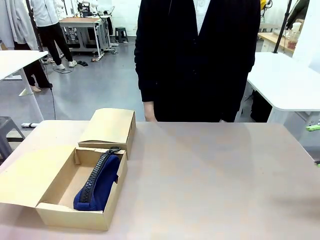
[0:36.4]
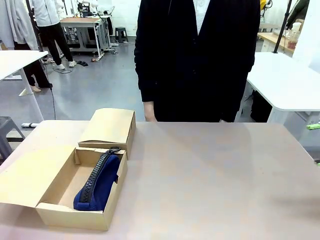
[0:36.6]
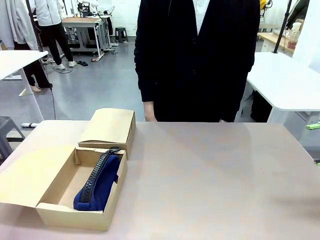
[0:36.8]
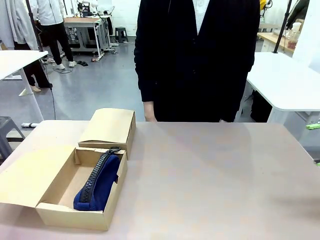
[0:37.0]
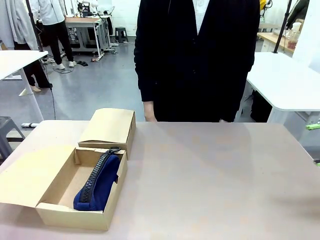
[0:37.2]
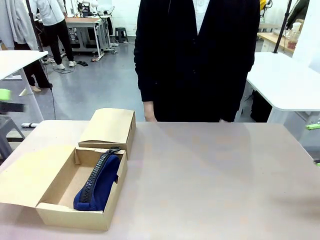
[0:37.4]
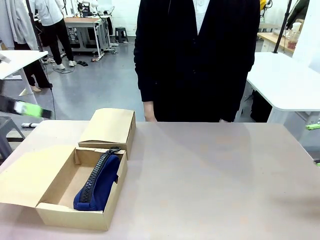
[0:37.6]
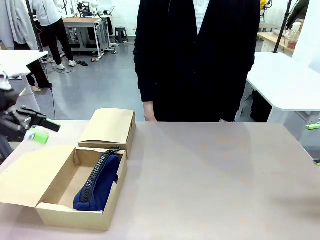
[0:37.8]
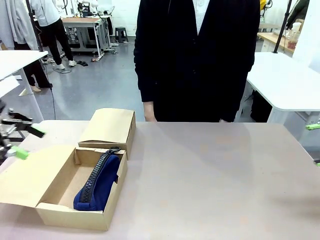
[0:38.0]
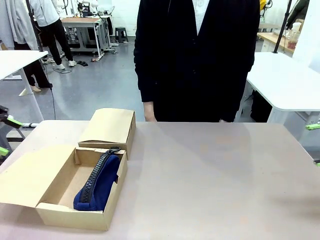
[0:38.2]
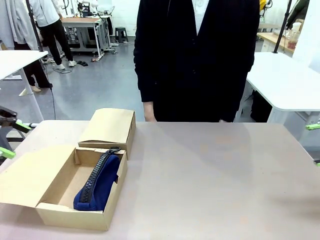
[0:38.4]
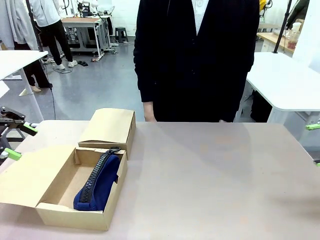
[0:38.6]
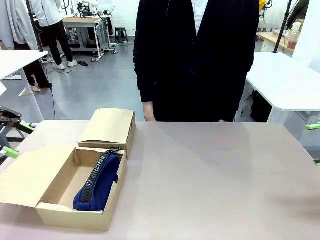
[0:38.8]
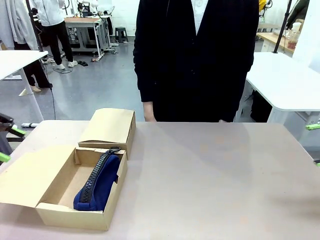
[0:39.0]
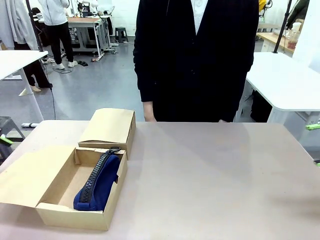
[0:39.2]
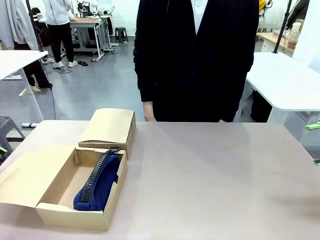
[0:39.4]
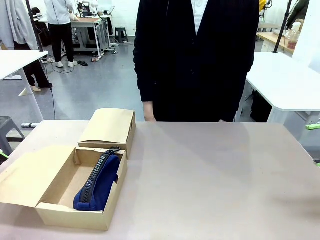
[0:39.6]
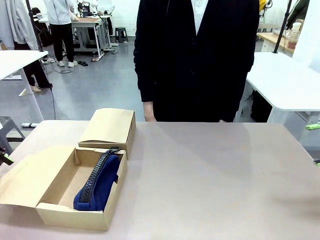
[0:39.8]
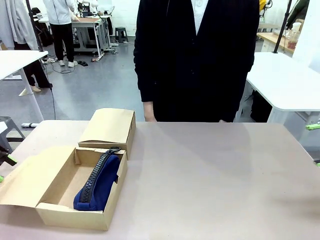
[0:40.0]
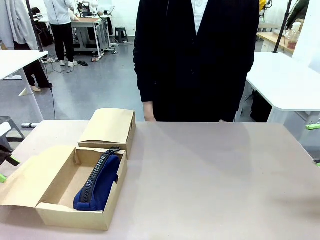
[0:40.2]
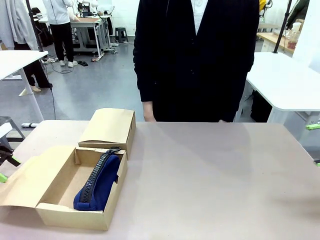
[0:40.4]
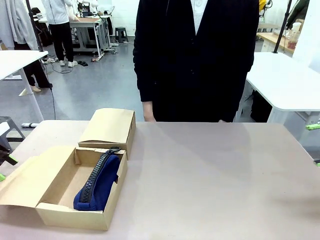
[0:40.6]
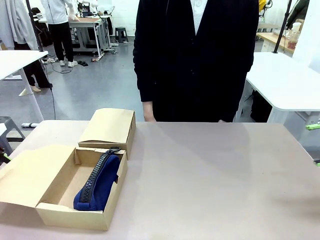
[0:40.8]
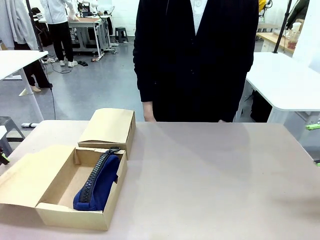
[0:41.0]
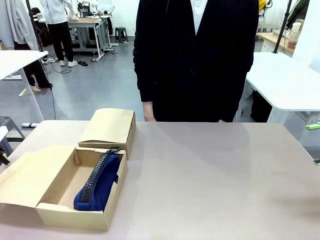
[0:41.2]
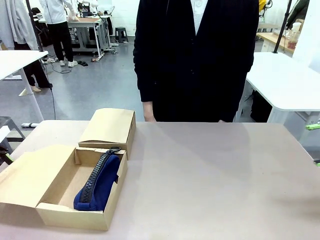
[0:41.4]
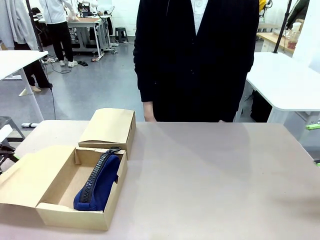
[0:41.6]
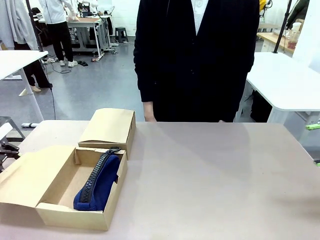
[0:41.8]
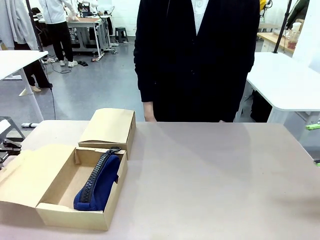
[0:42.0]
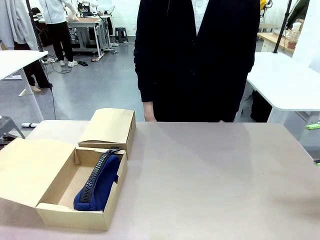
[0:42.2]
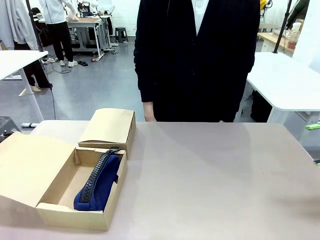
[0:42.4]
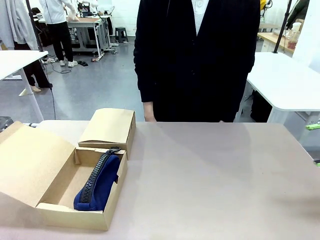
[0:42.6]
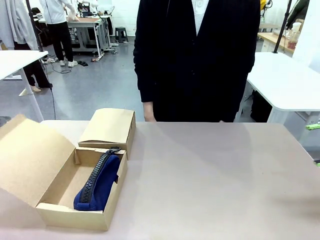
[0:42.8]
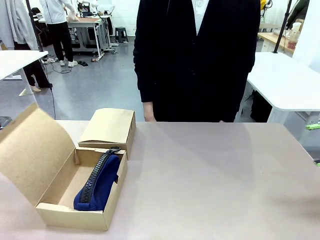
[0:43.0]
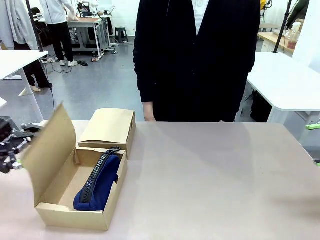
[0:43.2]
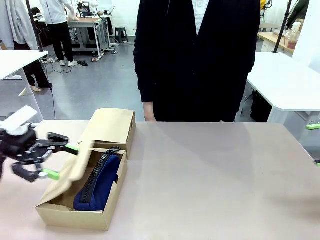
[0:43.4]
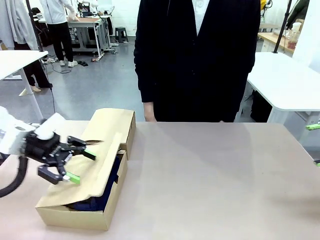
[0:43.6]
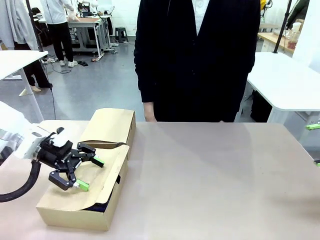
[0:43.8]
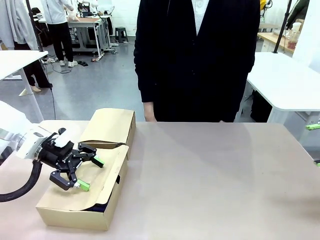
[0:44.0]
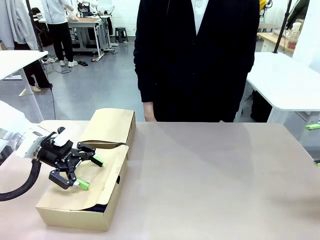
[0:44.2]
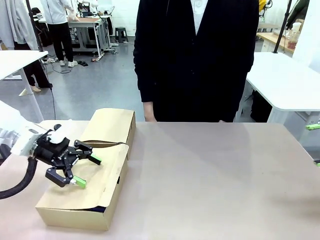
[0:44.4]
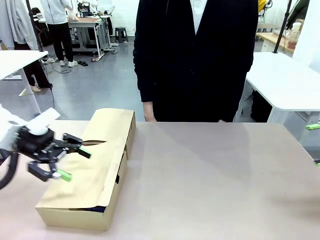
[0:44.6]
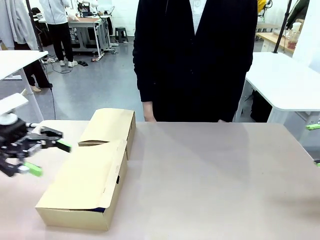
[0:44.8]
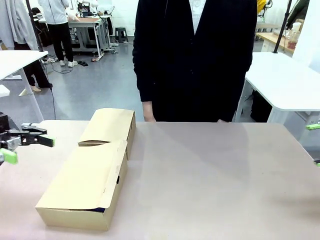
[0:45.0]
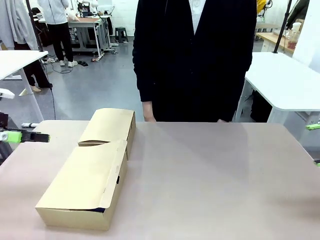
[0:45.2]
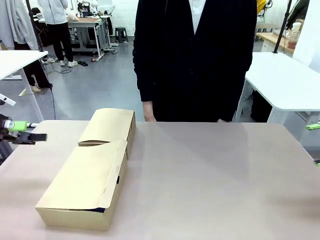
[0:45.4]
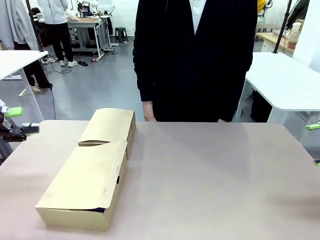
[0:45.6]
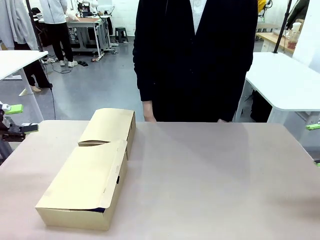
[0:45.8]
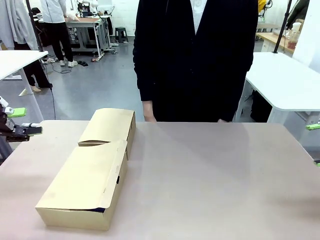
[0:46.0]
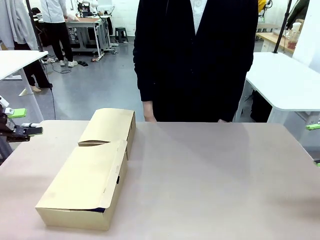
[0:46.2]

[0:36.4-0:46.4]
Task: Place items inside the box.
Robot: Close the lid of the Mailer Box closest to the robot.

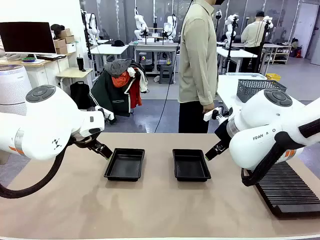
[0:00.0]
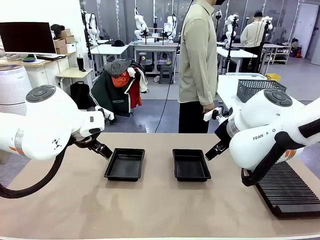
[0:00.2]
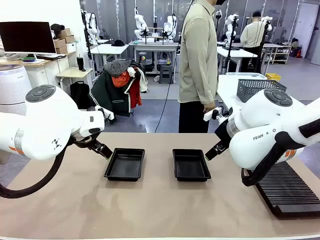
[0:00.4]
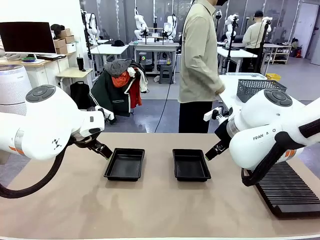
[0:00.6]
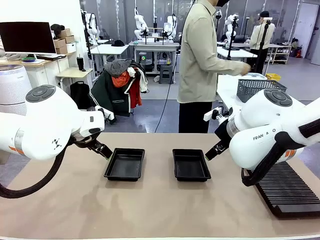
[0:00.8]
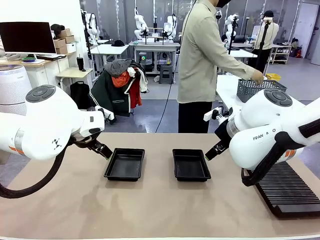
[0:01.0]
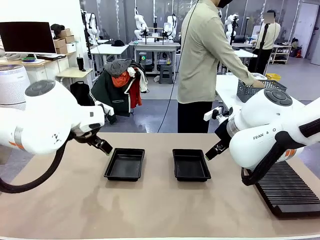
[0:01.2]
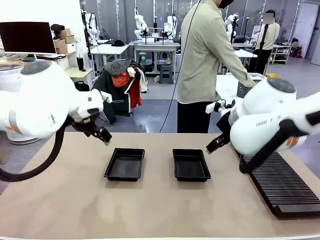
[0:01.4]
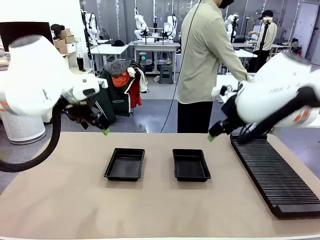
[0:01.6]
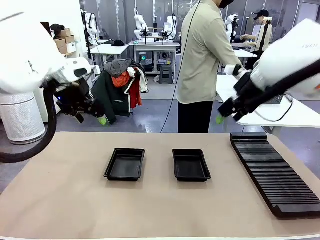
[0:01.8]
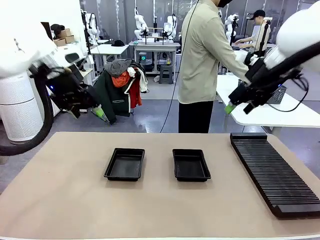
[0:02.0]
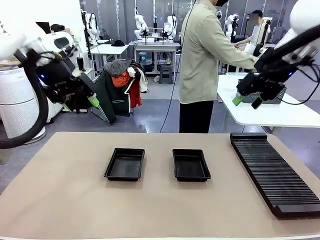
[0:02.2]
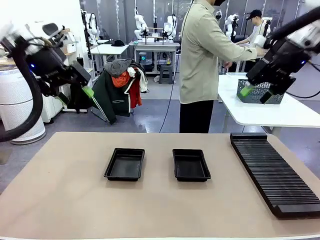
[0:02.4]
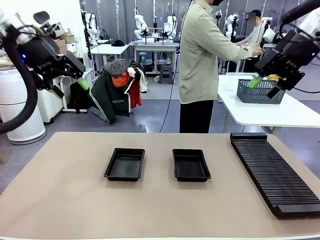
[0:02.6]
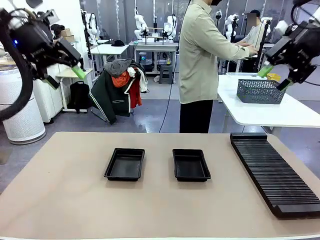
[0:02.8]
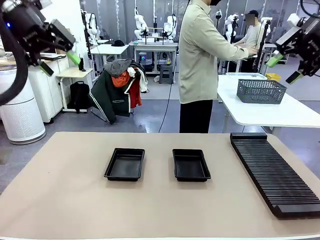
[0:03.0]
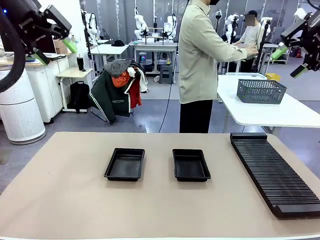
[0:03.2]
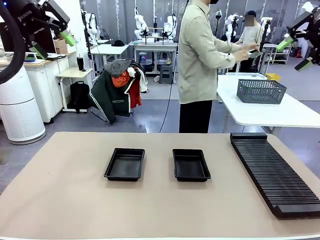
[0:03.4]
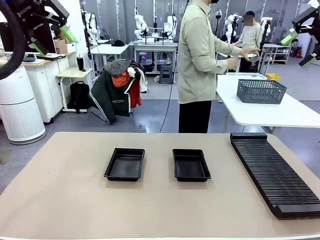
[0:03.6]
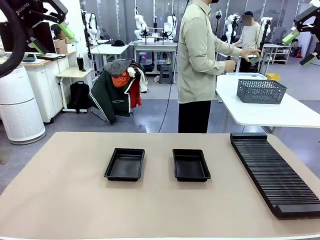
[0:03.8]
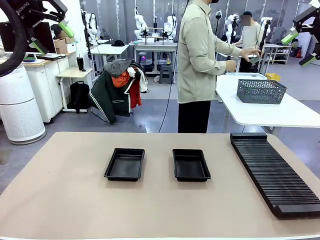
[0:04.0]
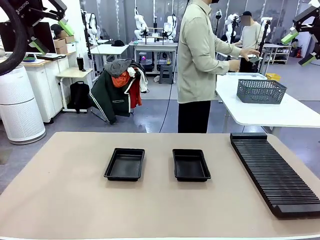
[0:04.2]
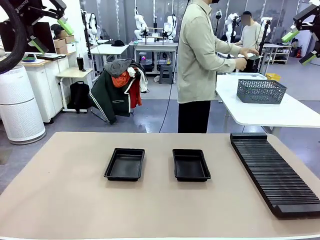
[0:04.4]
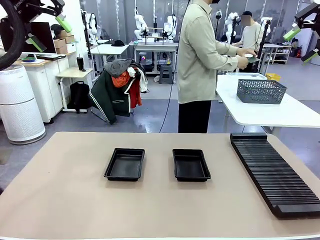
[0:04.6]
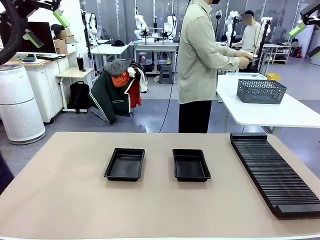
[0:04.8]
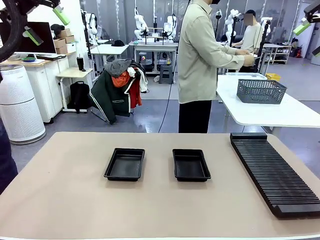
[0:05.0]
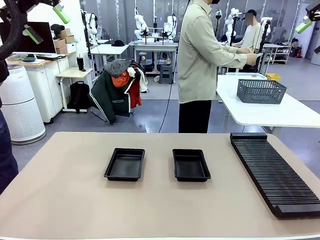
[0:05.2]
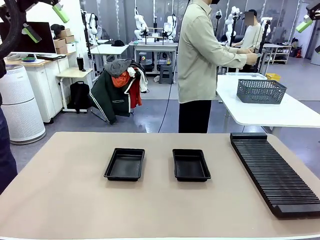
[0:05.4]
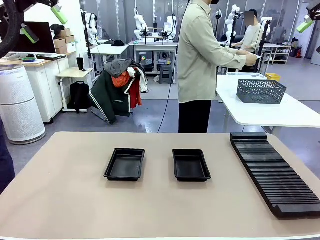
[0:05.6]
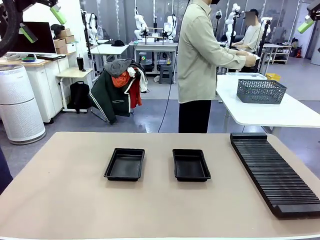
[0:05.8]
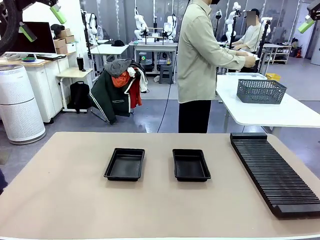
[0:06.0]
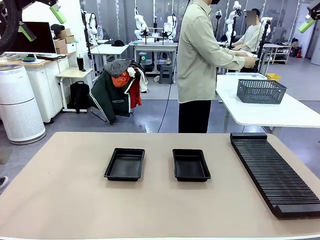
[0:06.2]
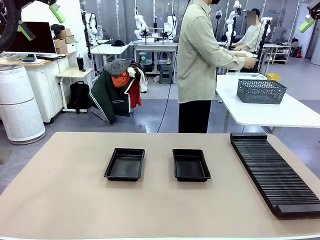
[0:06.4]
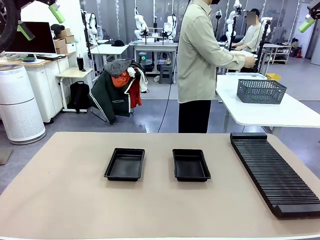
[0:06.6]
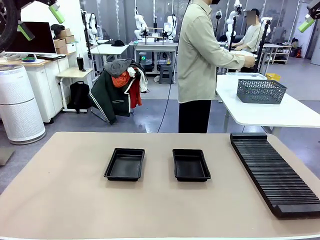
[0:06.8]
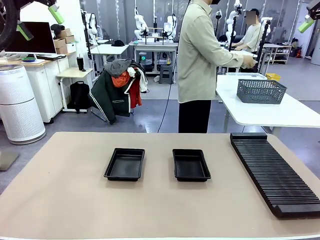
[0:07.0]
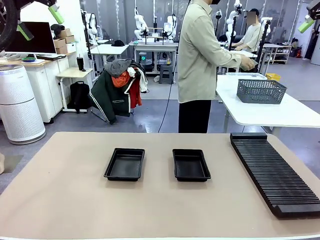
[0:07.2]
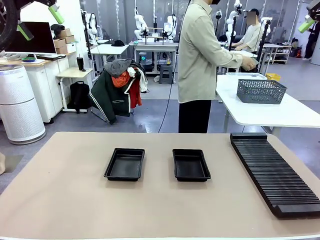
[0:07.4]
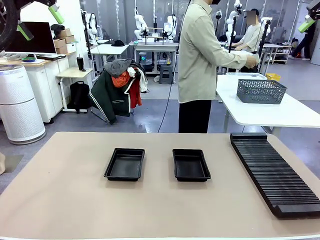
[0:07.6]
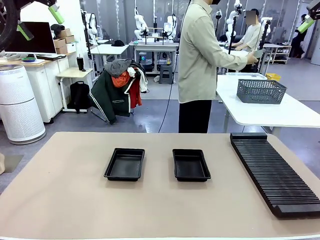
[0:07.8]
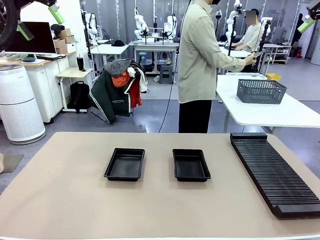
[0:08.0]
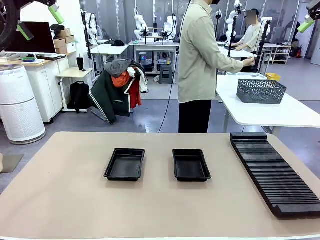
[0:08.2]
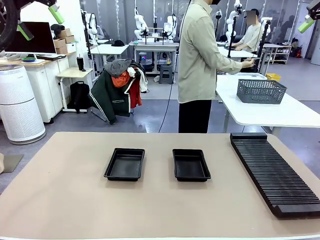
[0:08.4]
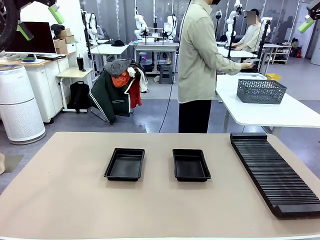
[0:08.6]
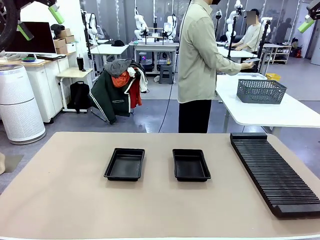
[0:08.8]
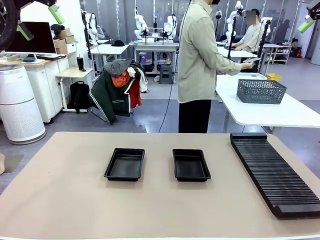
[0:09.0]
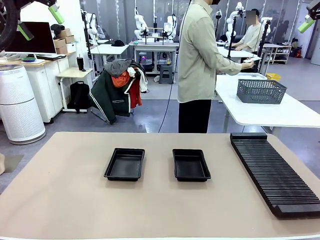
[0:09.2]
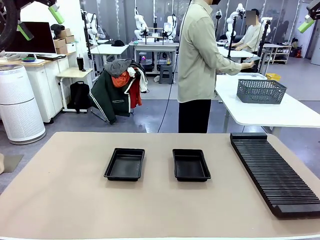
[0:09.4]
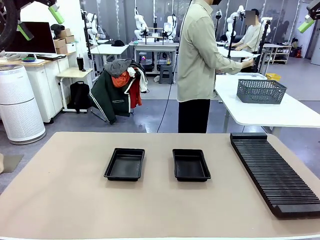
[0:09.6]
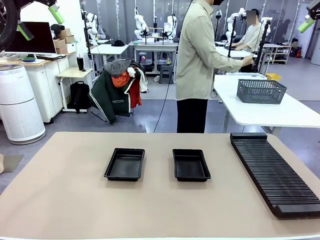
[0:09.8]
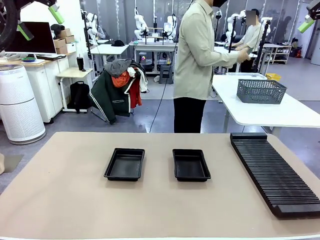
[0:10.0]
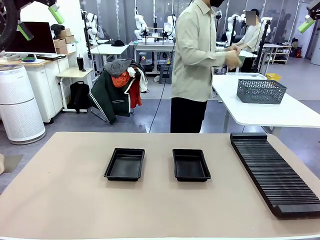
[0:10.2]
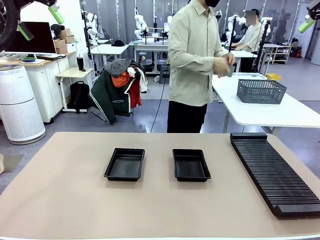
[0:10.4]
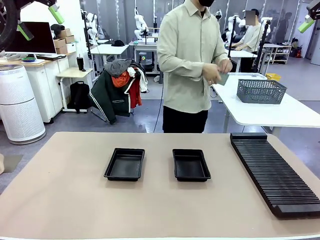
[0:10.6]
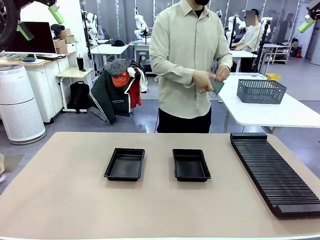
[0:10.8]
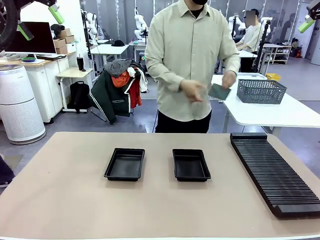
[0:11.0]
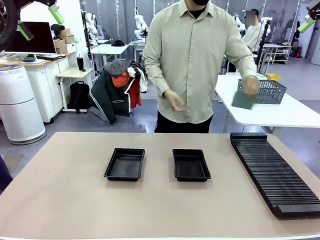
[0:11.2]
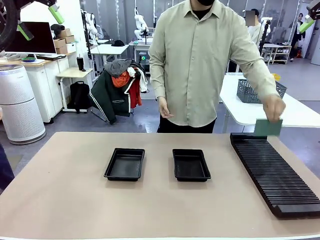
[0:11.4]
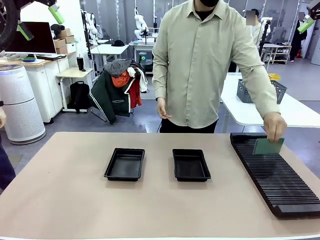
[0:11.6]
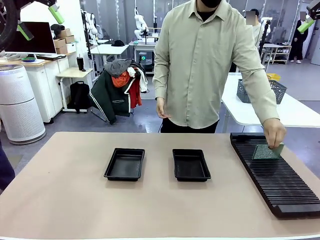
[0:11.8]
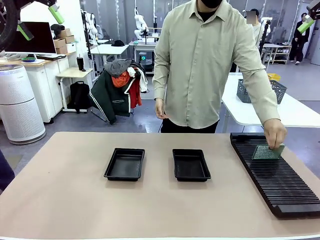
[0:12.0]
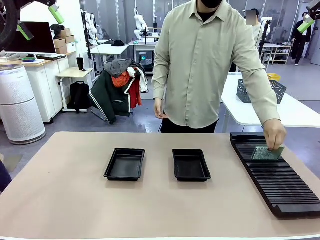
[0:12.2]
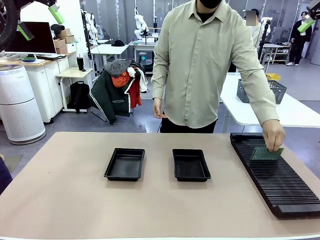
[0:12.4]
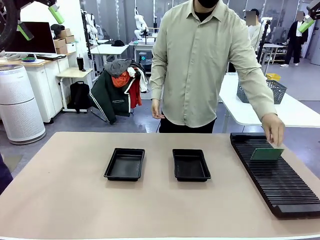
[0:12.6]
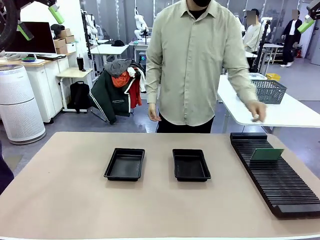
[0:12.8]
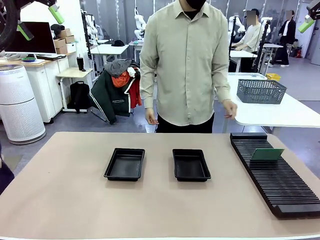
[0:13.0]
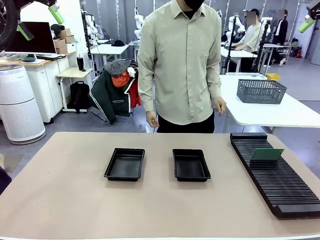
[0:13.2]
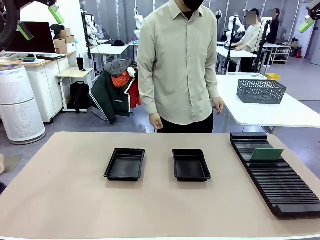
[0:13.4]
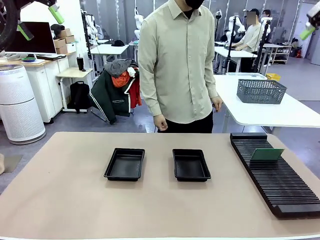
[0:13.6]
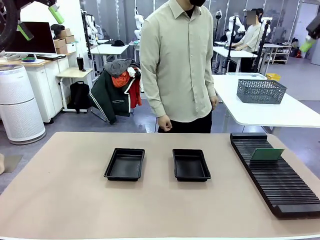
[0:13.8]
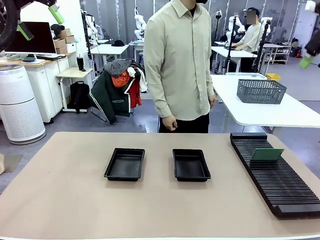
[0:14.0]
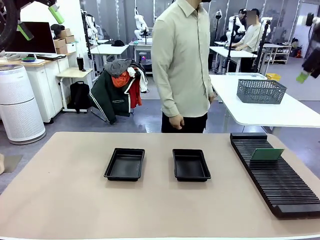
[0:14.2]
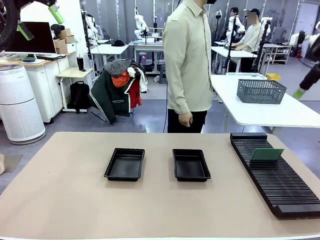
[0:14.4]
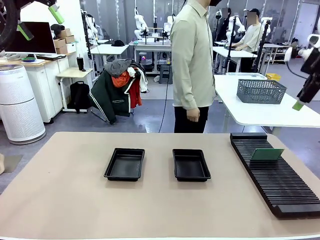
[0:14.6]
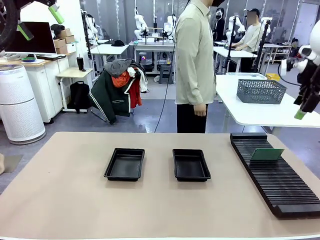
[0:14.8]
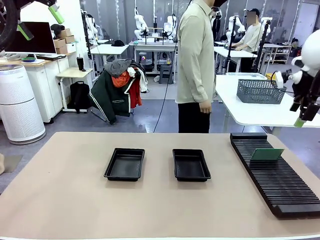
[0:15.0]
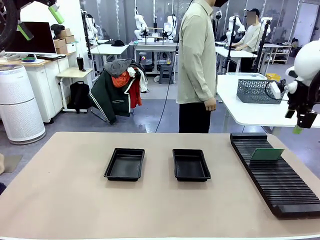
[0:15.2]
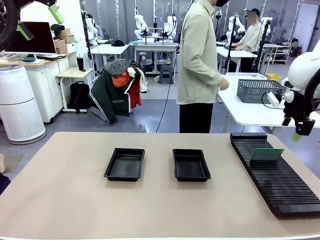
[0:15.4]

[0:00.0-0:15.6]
Task: Inspect and transfer BCBs to ESD trays.
Robot: Pick up the Blank PCB from the PCB Rack and place it in the left ESD tray.
